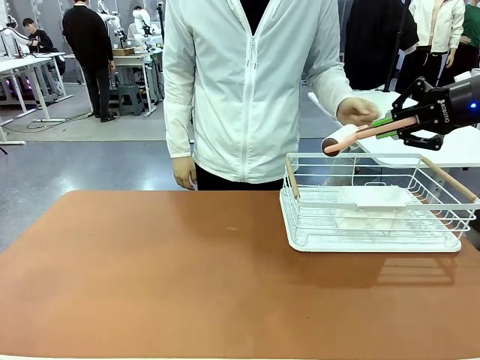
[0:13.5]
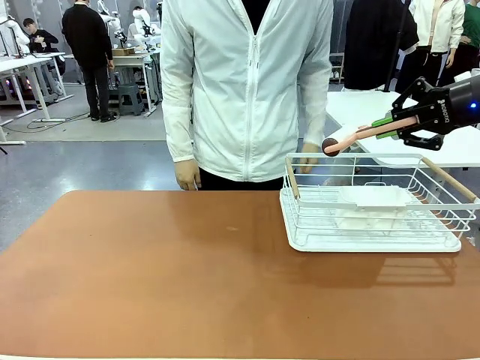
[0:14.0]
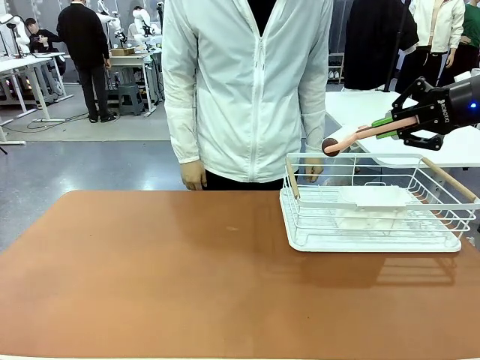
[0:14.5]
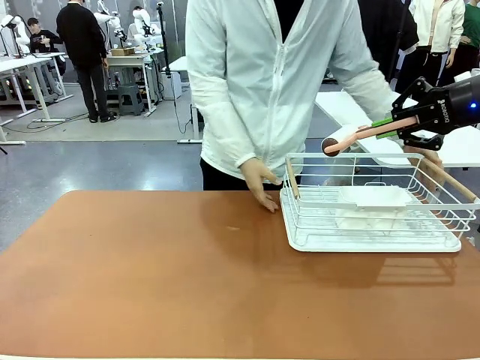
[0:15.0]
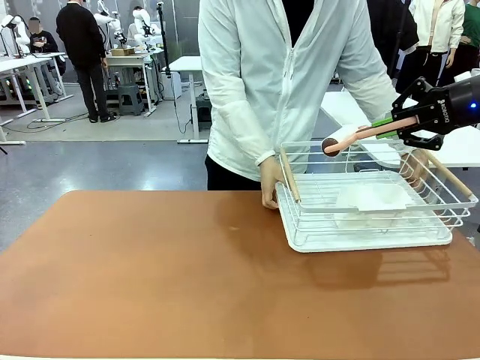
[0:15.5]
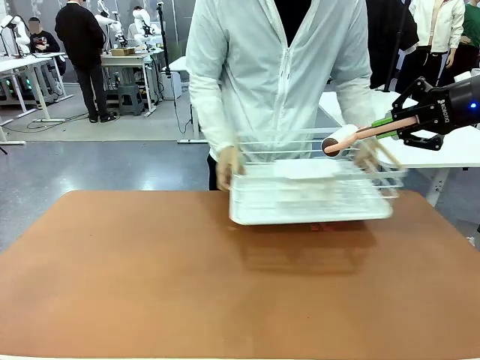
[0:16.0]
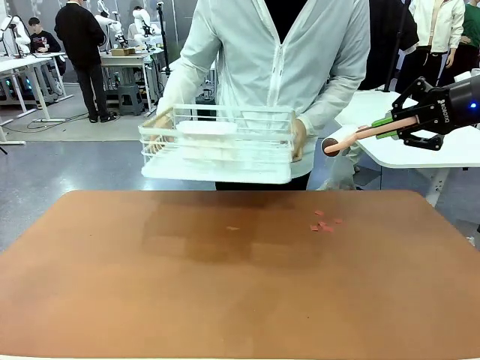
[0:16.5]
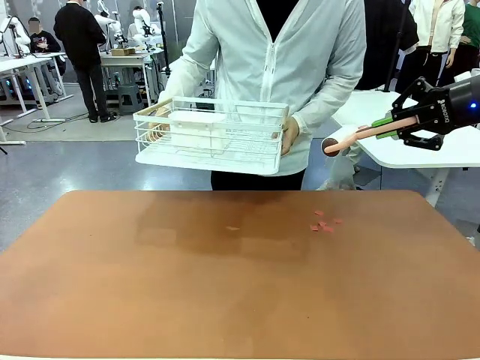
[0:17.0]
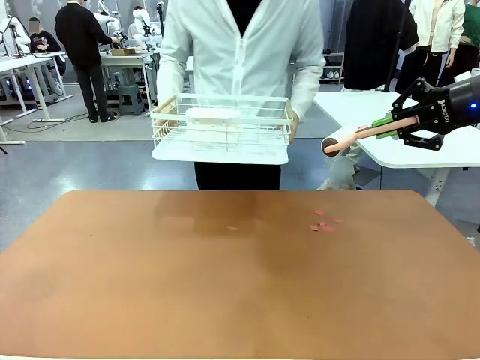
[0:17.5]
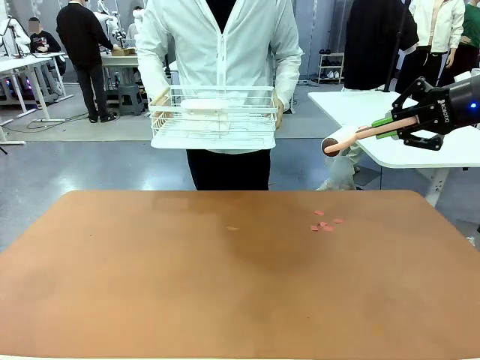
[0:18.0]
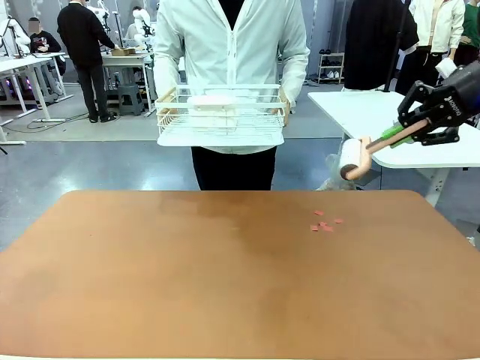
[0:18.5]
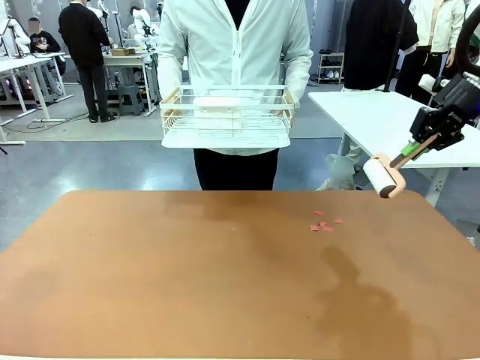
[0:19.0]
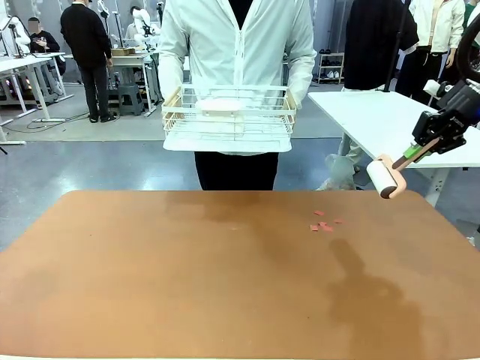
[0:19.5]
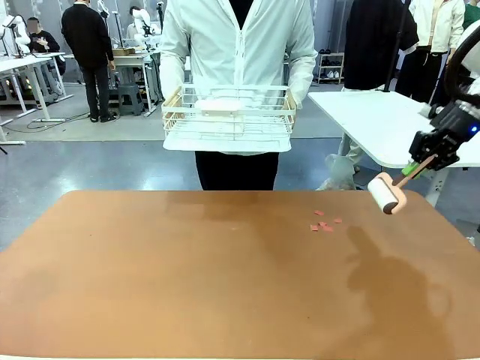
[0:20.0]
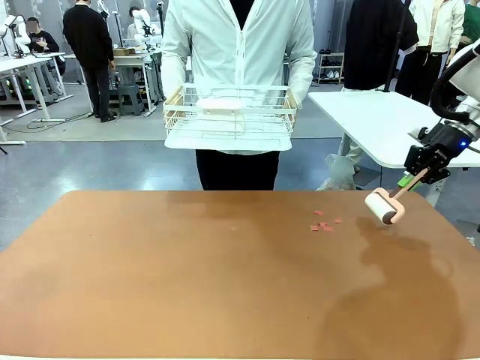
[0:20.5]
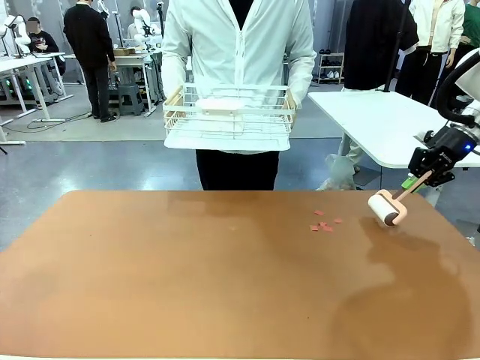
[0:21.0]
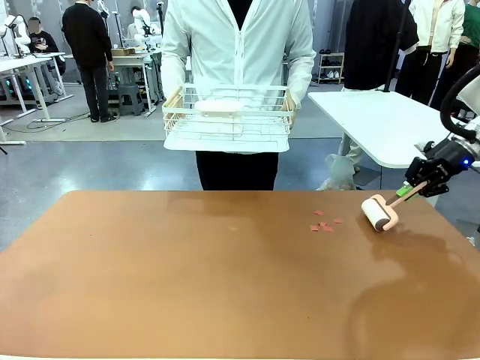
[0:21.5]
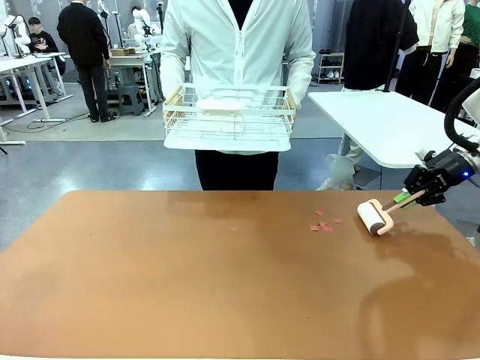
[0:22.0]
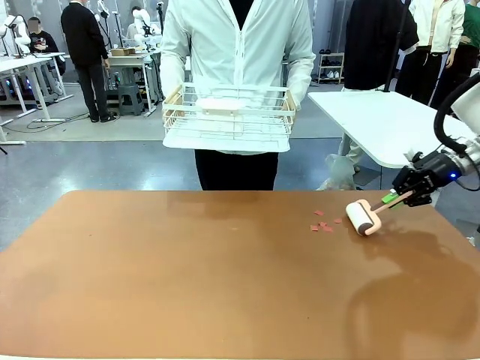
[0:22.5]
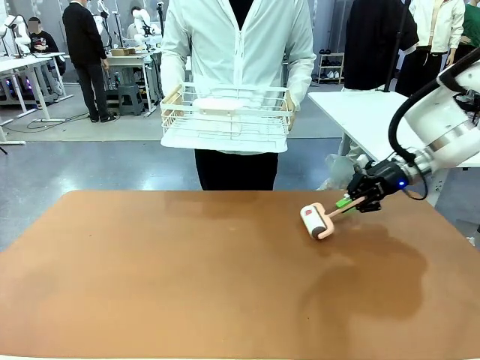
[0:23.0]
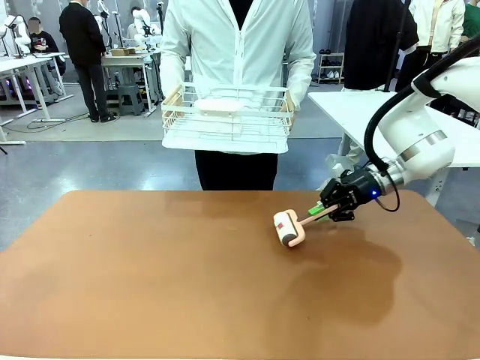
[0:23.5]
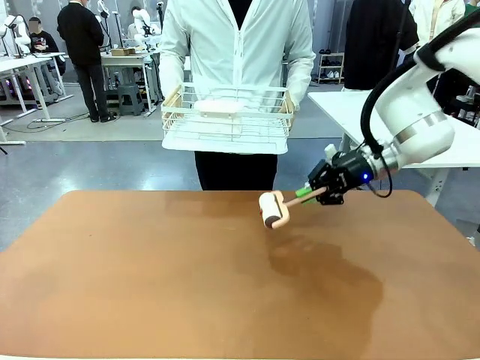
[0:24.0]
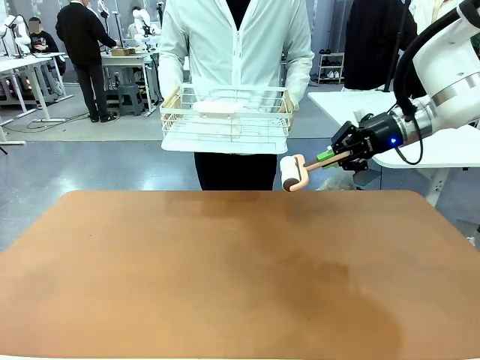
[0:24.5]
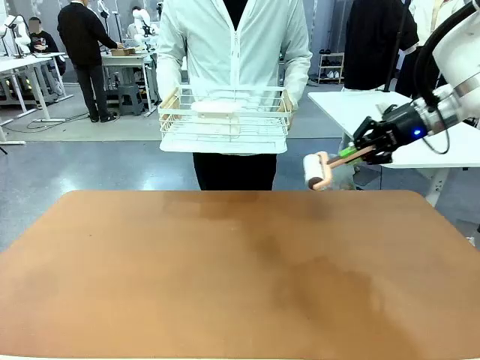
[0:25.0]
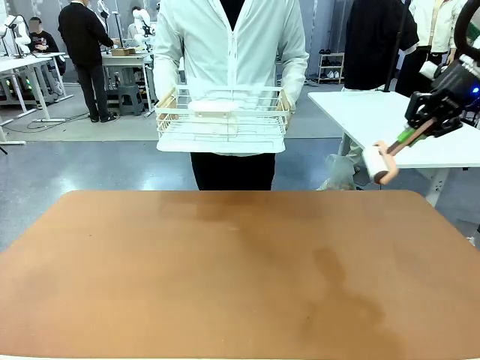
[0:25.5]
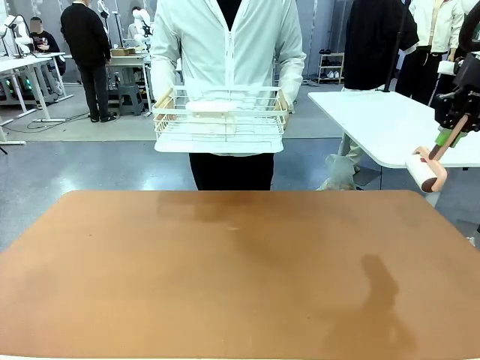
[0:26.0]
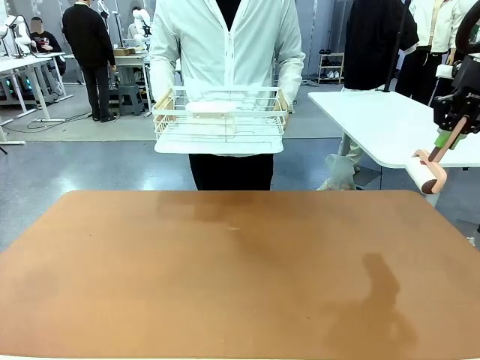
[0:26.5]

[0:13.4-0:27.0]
Task: Clean the table.
Robot: Clean the table with the Lint Roller when the human lifts the Dish drying rack.

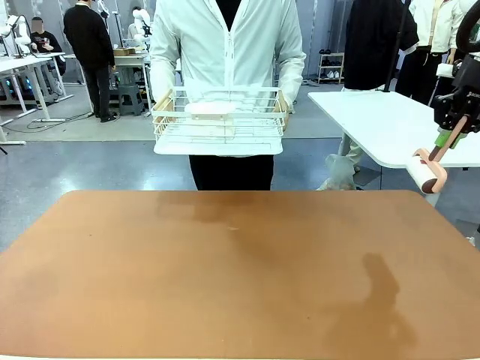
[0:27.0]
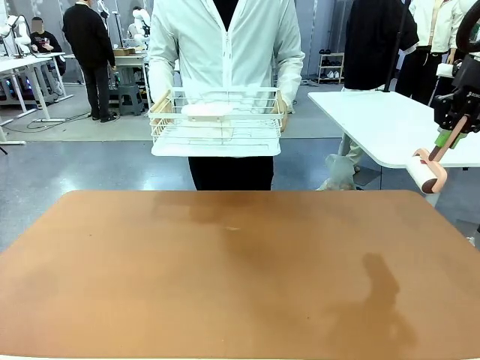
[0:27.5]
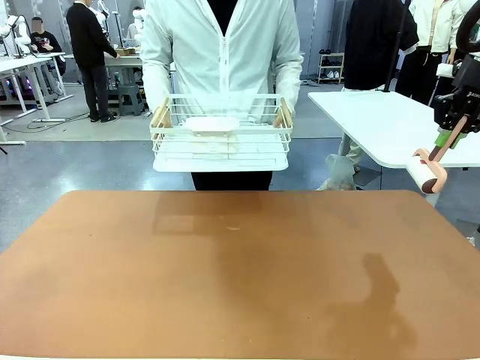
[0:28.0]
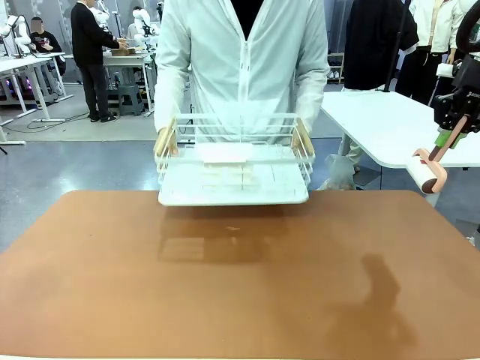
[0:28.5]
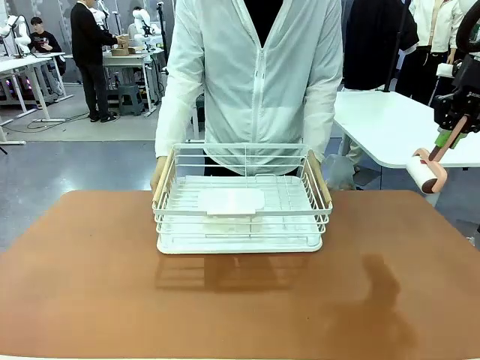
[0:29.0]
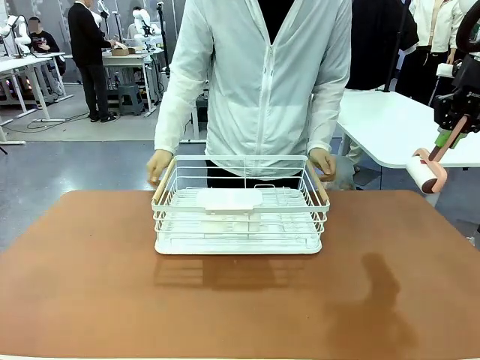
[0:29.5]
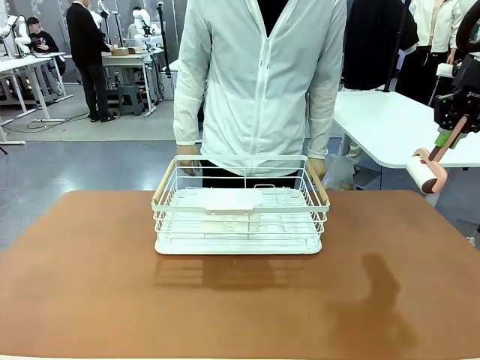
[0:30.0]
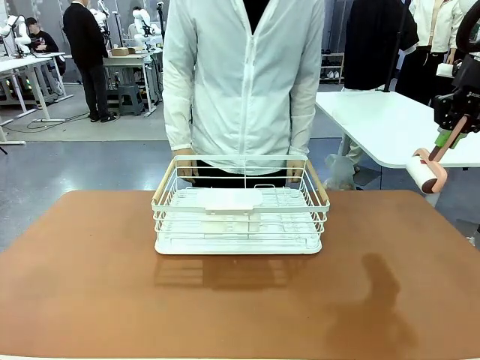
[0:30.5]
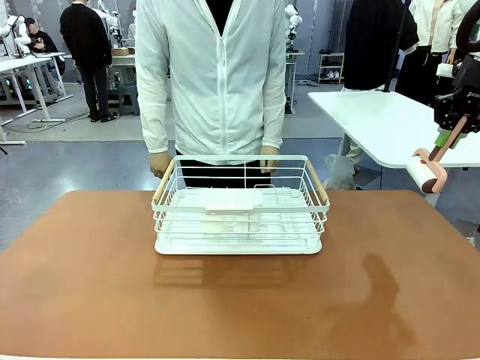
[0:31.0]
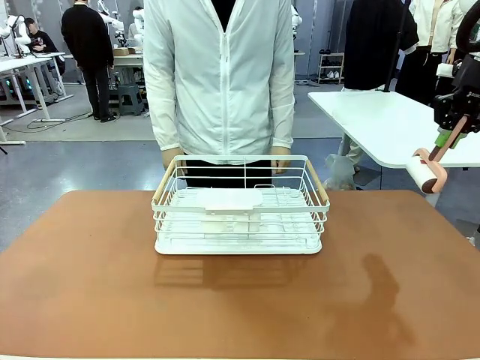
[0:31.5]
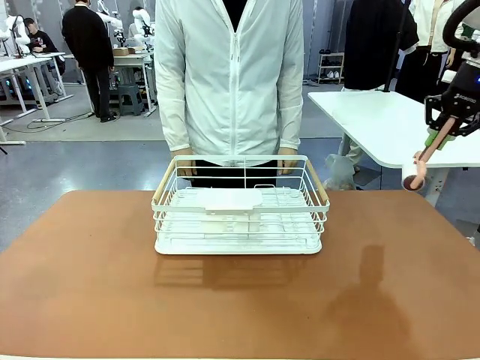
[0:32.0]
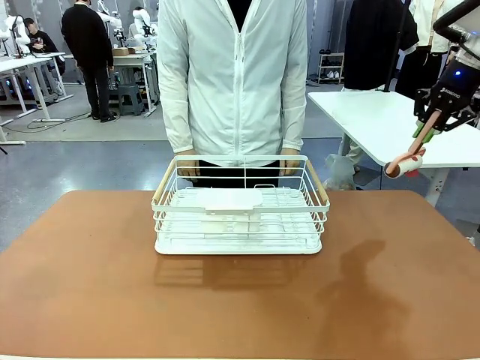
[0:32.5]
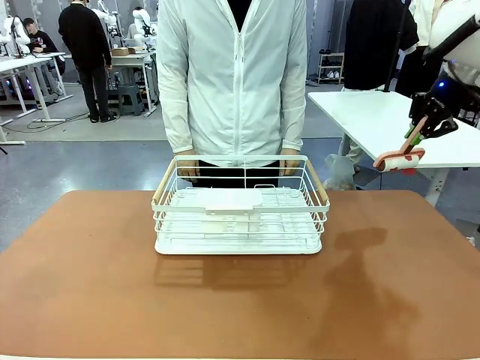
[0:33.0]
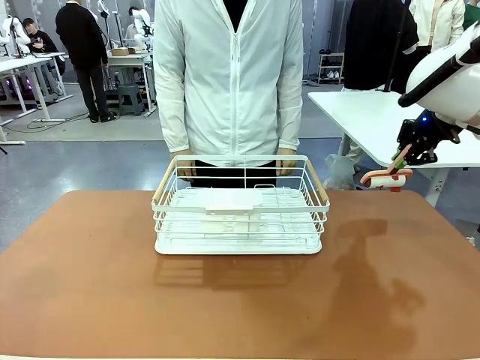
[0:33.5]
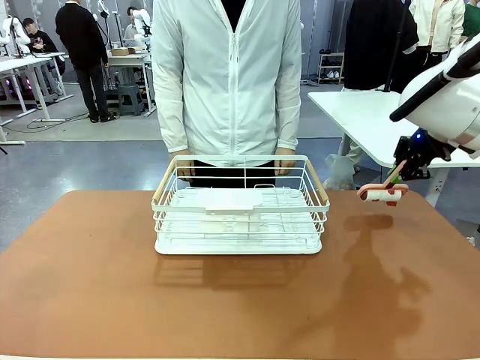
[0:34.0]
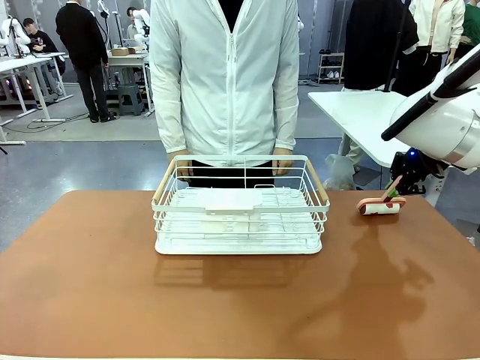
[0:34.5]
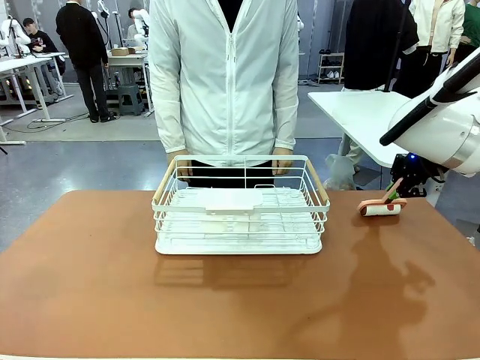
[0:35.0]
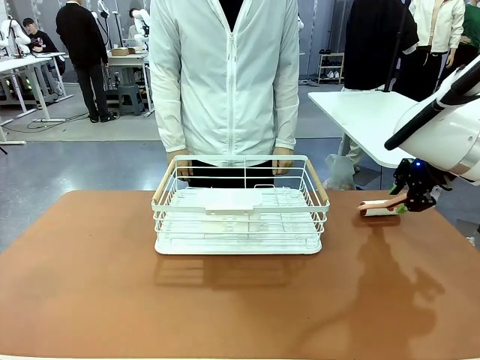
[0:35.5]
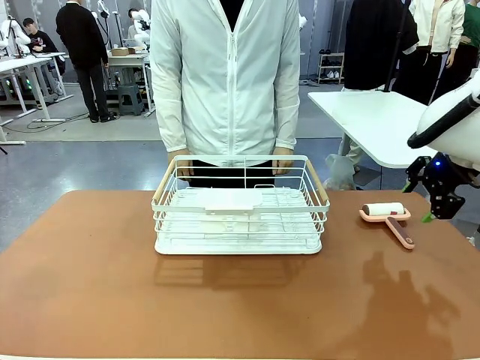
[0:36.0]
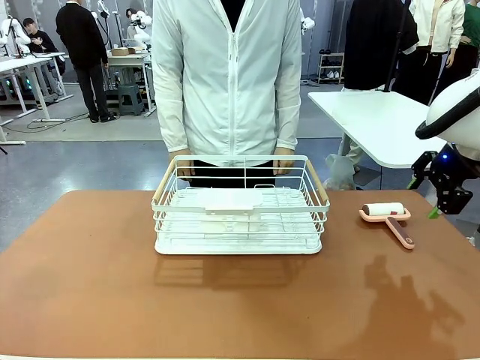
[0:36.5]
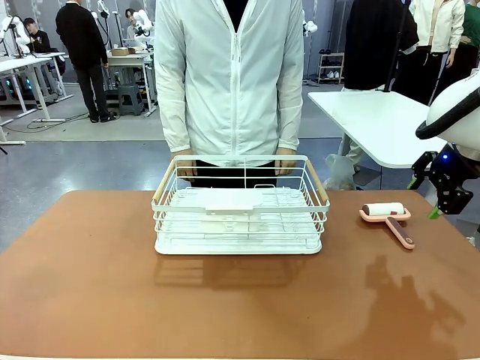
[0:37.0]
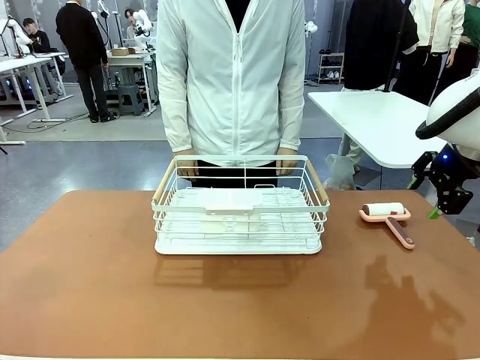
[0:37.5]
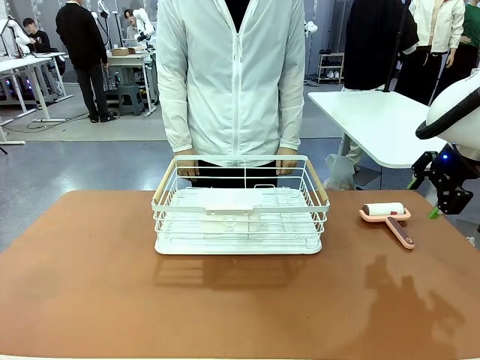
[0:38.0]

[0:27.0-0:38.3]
Robot: Place the Lint Roller down when the Dish drying rack is positioned in the middle of the table.
Person: Place the Dish drying rack down when the robot finishes cleaning.
